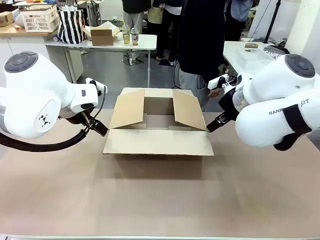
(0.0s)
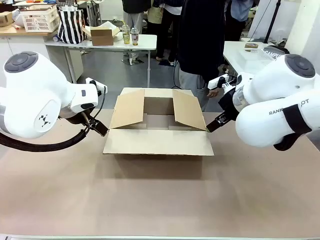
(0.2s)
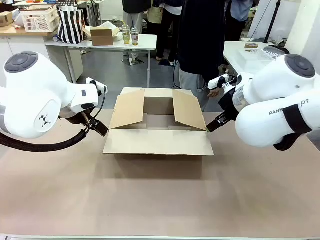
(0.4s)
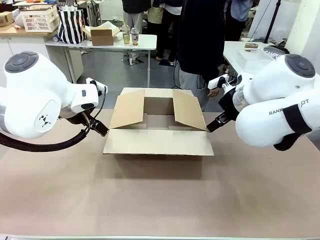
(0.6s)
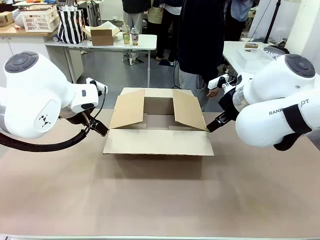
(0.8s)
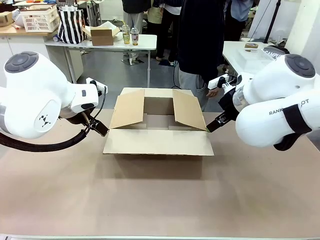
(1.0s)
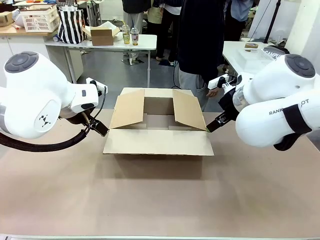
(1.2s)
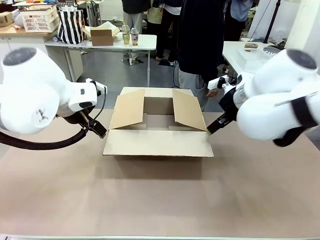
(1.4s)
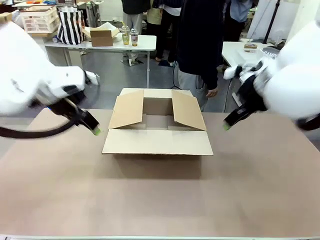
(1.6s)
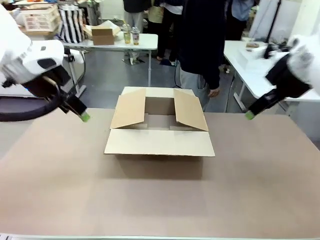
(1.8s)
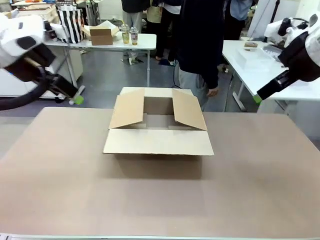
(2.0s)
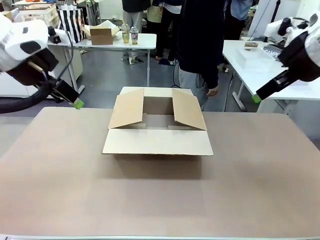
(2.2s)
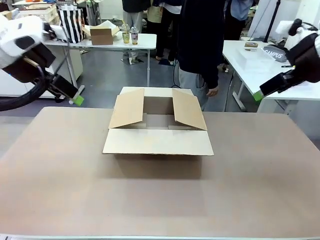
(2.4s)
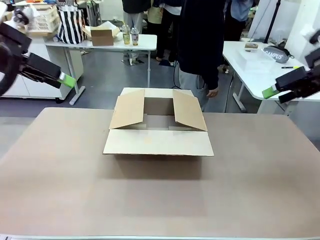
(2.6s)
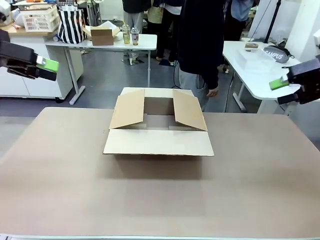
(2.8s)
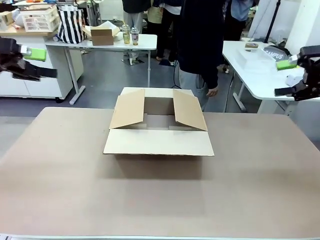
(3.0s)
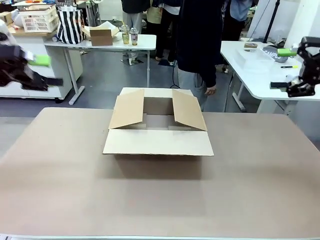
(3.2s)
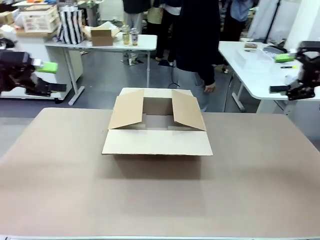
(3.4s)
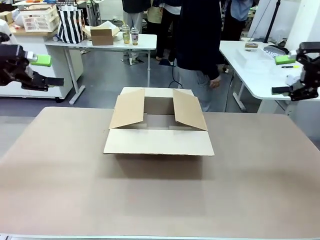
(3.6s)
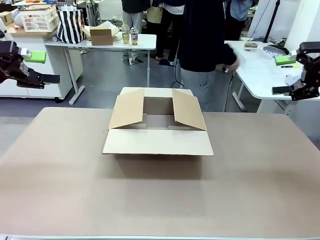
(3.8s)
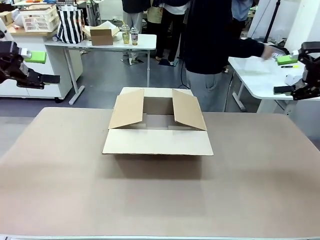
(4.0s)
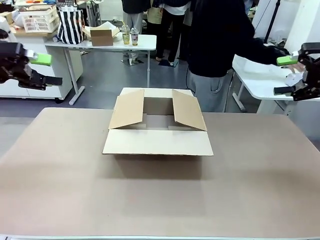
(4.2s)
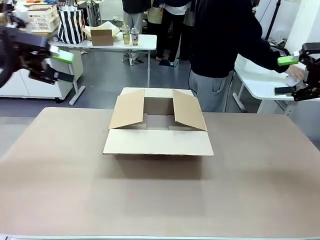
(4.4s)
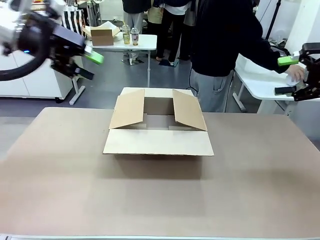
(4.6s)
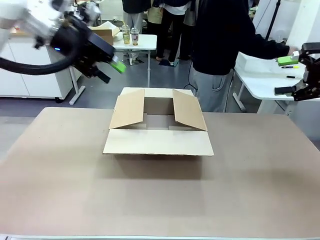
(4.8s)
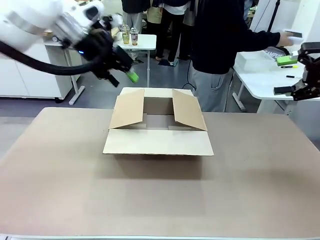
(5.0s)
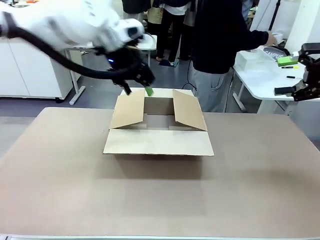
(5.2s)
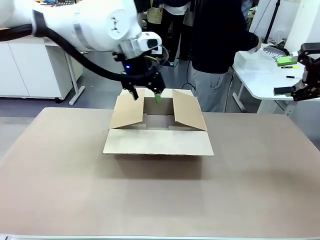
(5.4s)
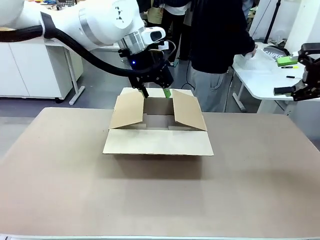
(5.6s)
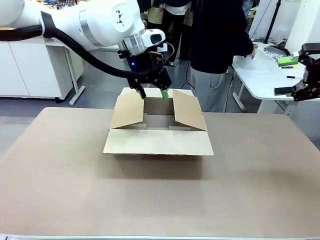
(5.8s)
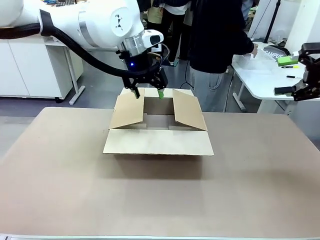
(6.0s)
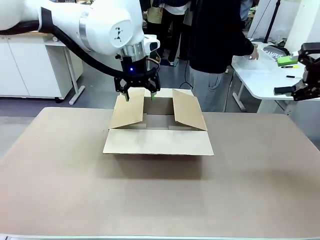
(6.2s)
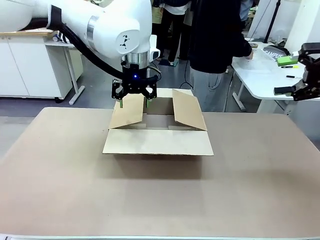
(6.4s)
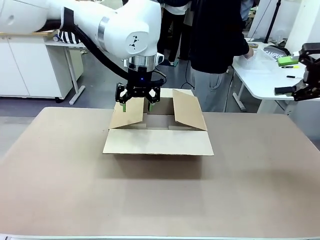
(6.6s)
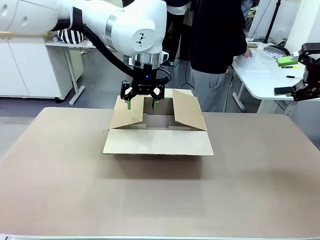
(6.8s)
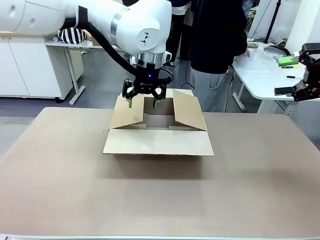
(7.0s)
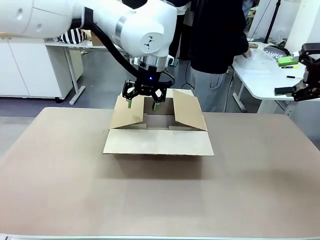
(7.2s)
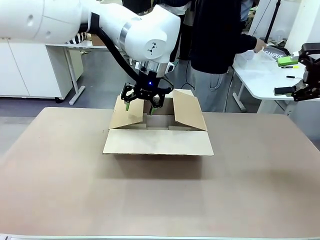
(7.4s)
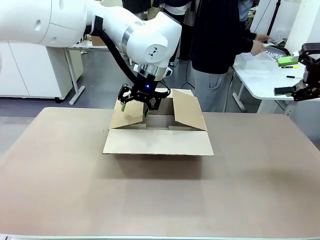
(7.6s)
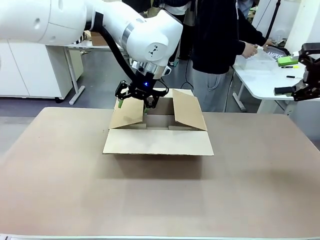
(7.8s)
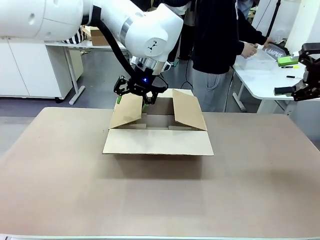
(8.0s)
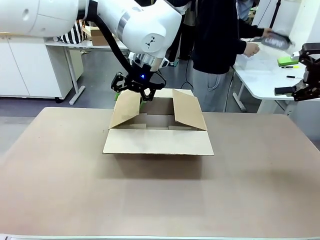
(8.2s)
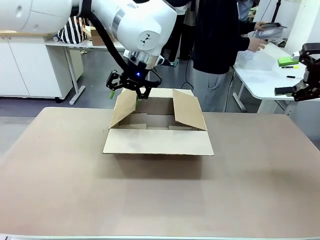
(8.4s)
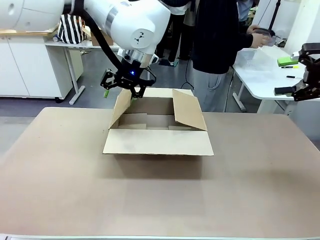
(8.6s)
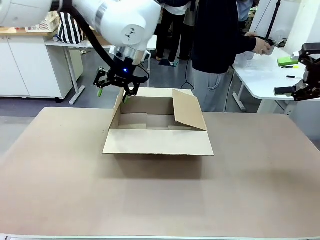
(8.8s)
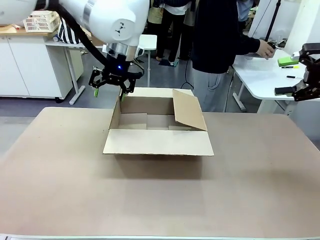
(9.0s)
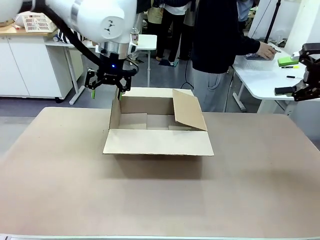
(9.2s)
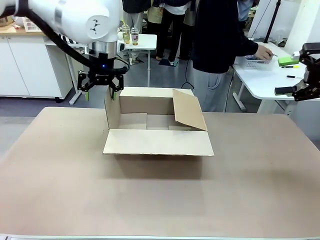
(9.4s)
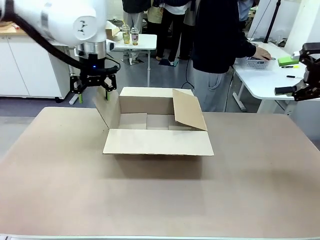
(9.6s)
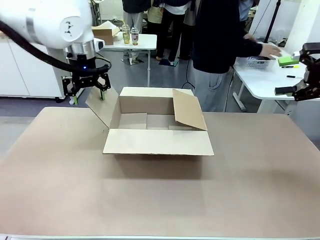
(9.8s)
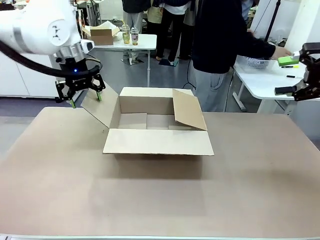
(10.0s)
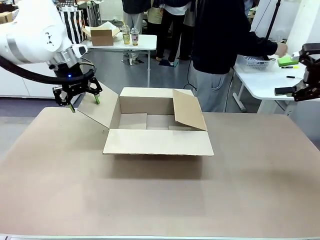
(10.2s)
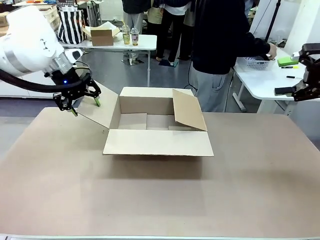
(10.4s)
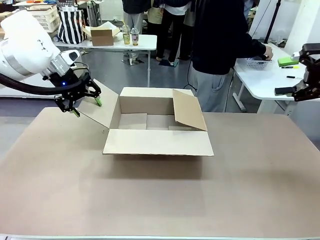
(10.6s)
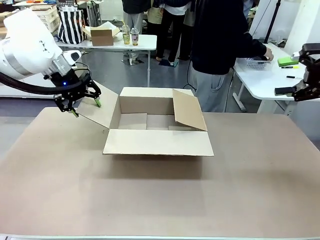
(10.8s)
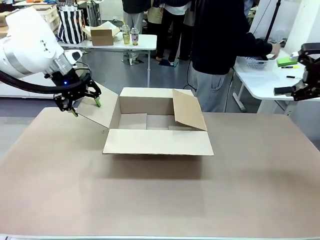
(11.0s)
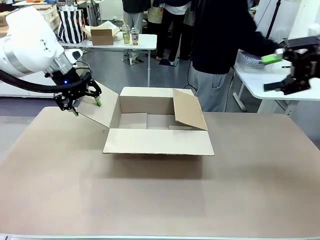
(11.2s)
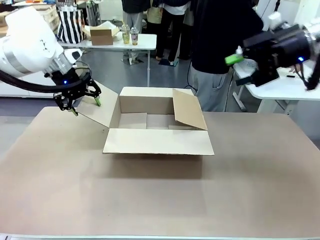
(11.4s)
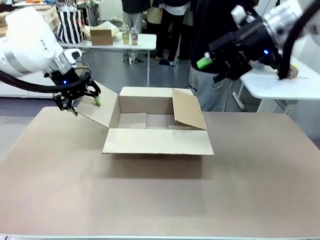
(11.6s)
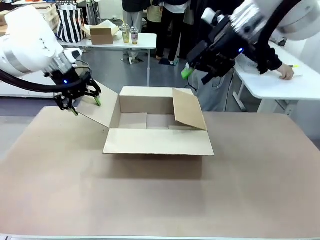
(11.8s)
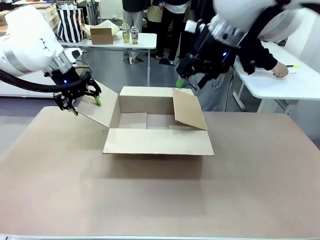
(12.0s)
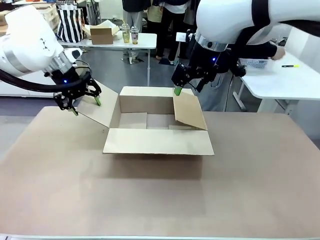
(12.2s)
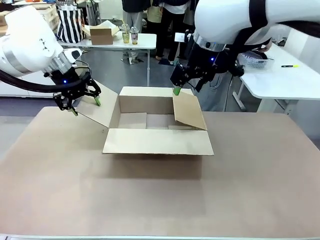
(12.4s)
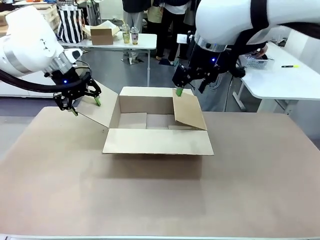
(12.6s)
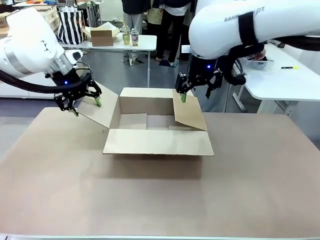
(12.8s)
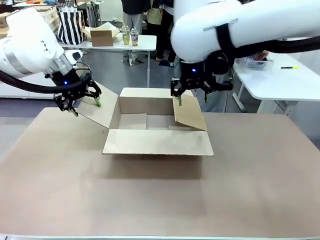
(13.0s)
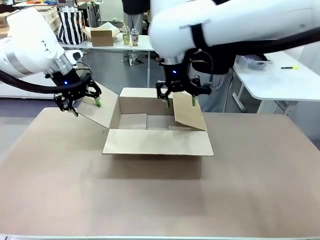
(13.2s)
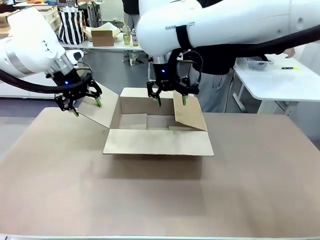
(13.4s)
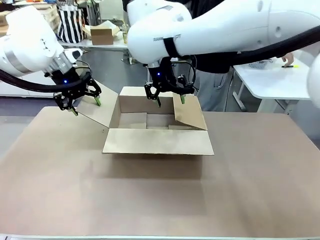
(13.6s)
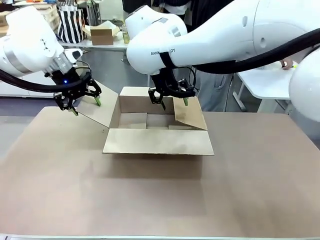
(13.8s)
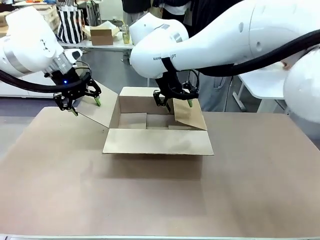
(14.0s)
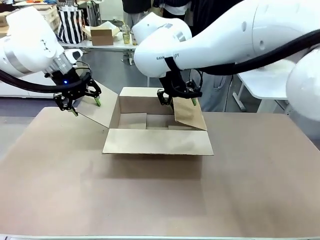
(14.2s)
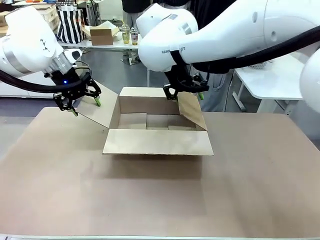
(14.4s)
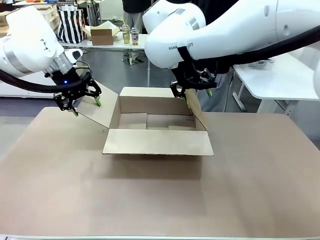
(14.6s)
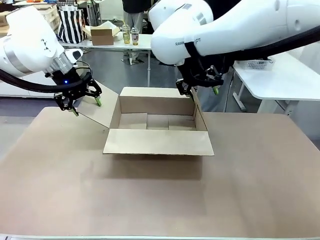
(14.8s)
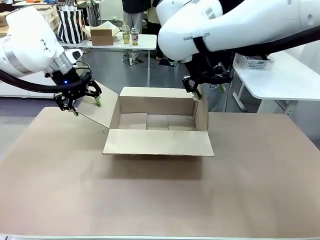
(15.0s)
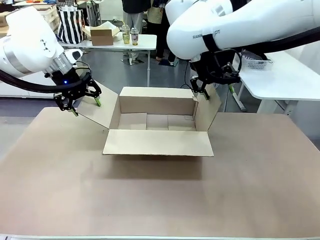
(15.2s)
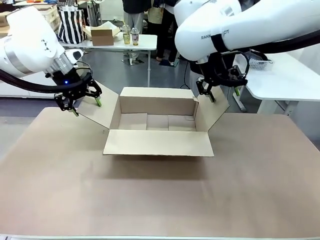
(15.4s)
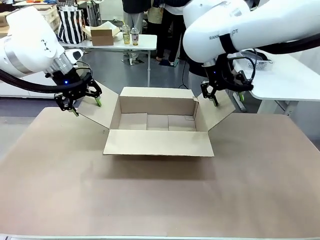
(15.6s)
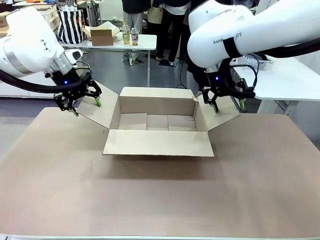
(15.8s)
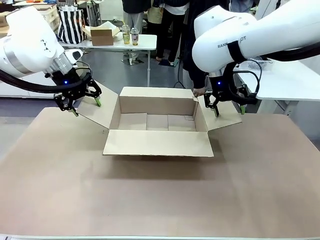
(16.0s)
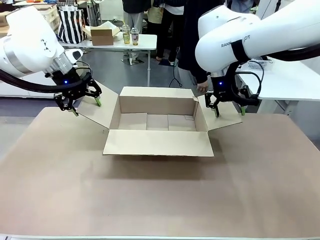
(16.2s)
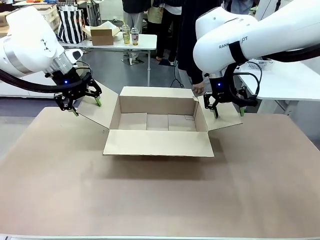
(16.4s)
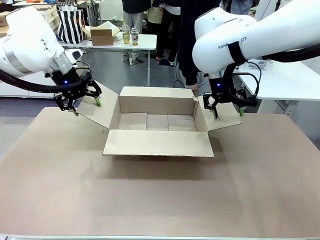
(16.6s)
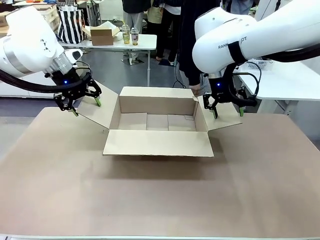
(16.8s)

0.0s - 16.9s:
Task: Pack the gift set into the box.
Robot: Place both hands on the side flaps of the Package Box and spread them outward.
Person: The human places all items except the paper tape into the organizing basket.
